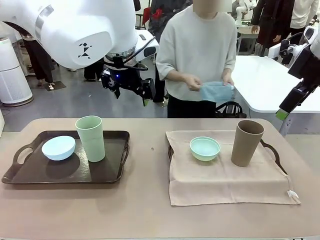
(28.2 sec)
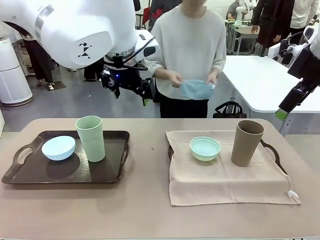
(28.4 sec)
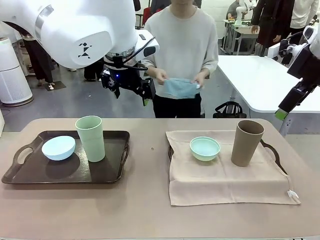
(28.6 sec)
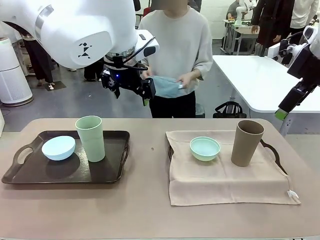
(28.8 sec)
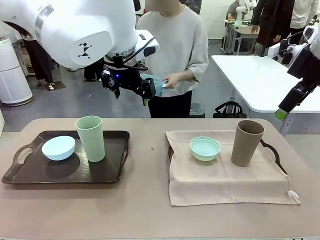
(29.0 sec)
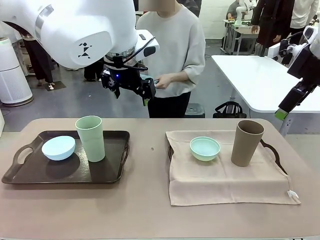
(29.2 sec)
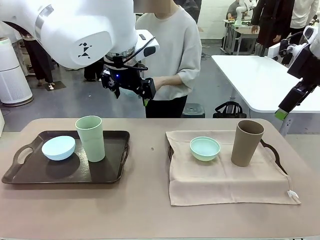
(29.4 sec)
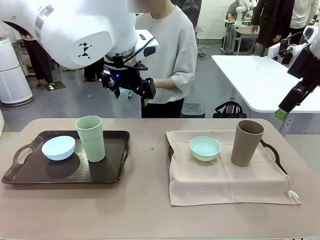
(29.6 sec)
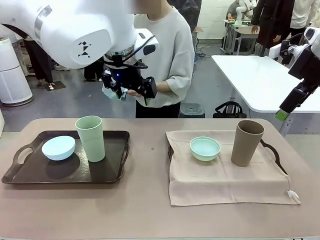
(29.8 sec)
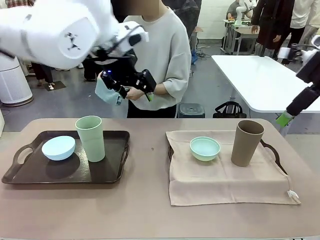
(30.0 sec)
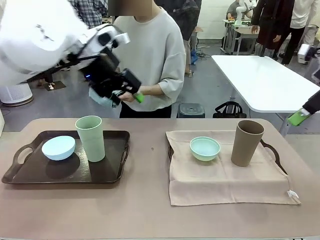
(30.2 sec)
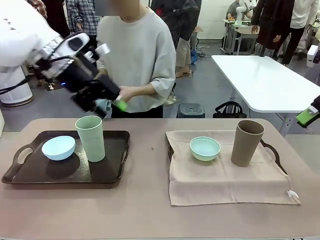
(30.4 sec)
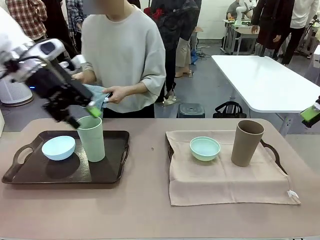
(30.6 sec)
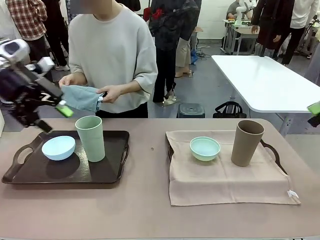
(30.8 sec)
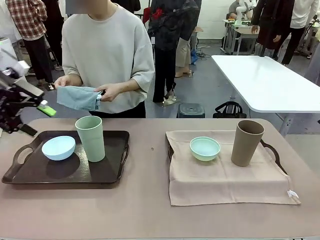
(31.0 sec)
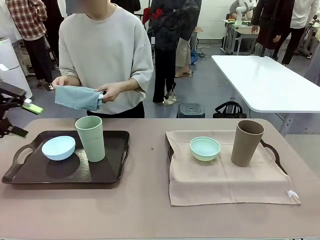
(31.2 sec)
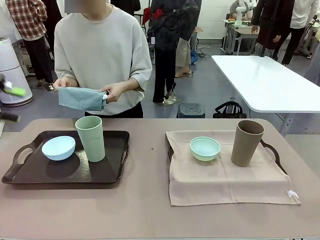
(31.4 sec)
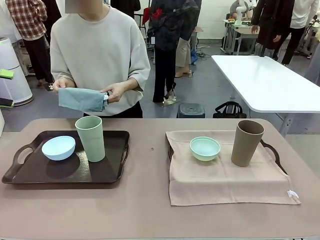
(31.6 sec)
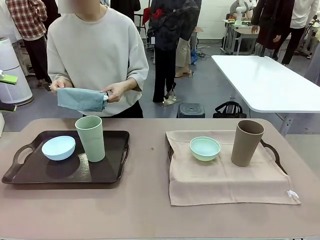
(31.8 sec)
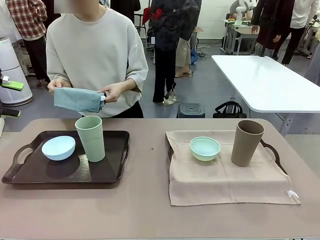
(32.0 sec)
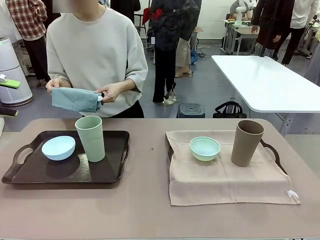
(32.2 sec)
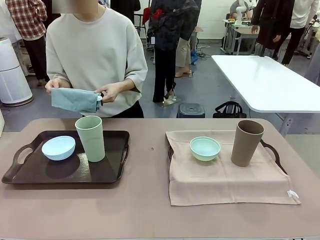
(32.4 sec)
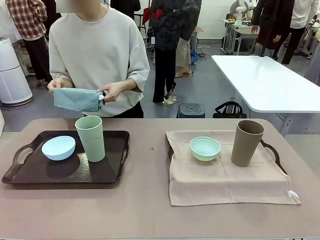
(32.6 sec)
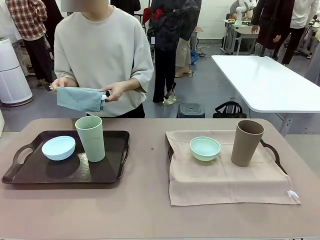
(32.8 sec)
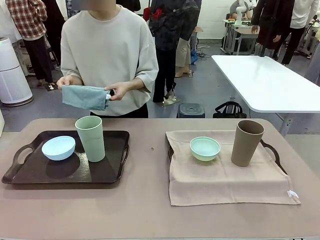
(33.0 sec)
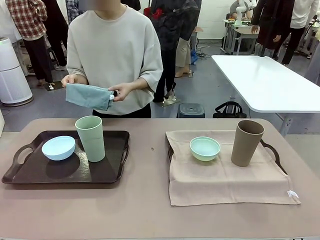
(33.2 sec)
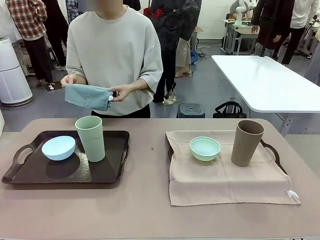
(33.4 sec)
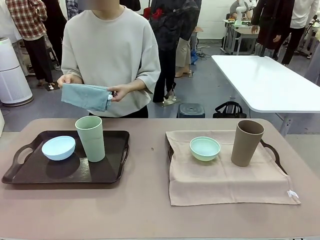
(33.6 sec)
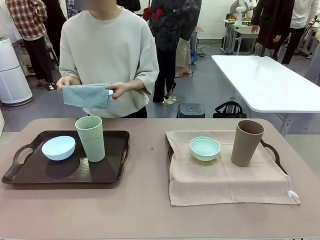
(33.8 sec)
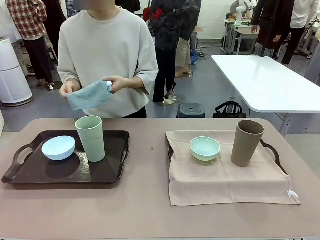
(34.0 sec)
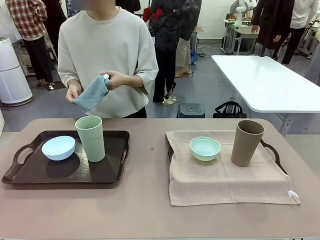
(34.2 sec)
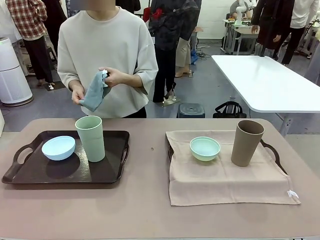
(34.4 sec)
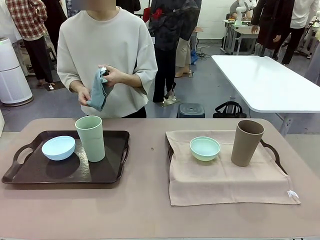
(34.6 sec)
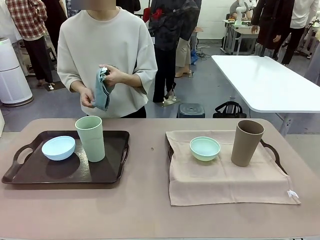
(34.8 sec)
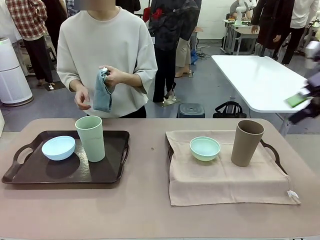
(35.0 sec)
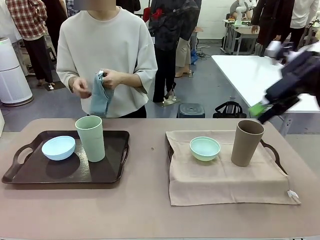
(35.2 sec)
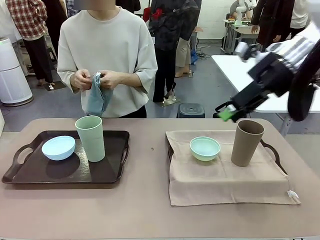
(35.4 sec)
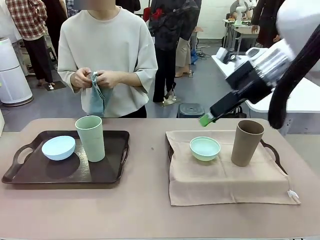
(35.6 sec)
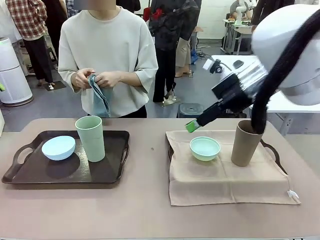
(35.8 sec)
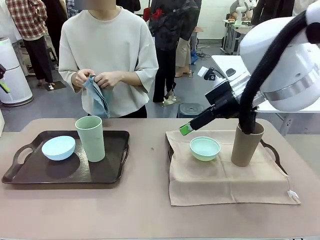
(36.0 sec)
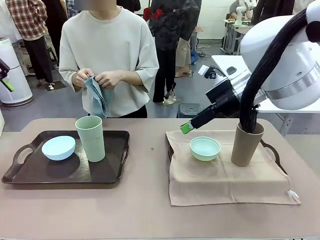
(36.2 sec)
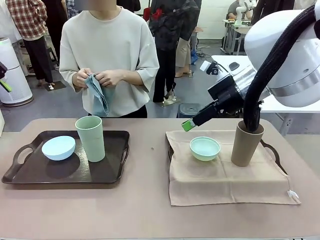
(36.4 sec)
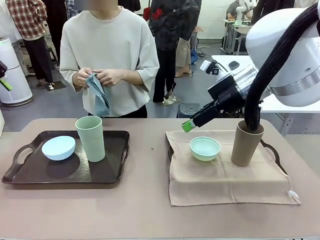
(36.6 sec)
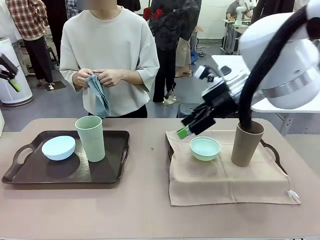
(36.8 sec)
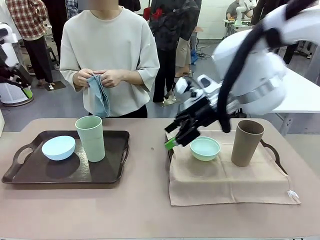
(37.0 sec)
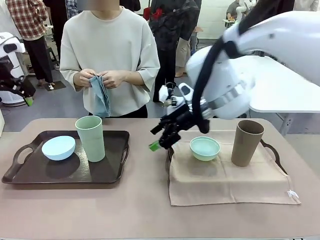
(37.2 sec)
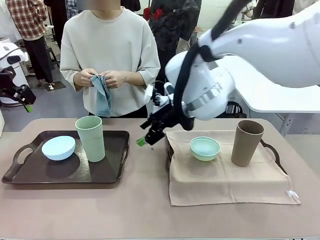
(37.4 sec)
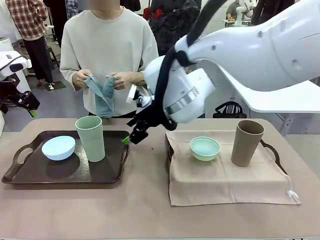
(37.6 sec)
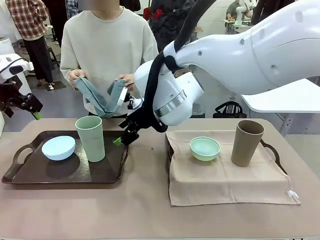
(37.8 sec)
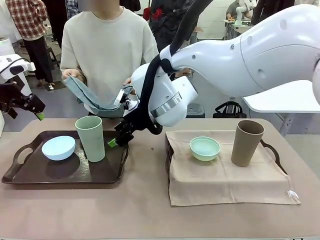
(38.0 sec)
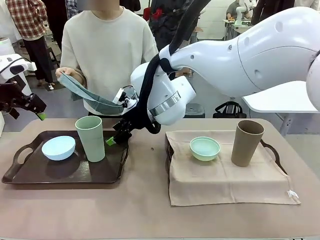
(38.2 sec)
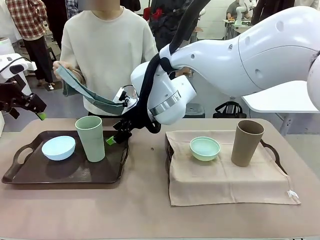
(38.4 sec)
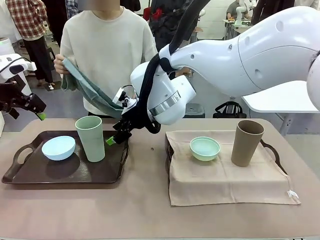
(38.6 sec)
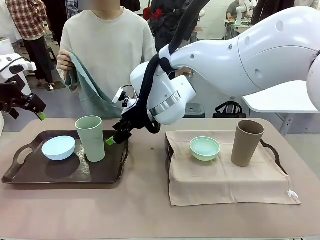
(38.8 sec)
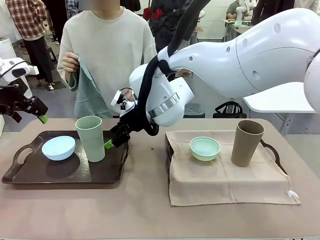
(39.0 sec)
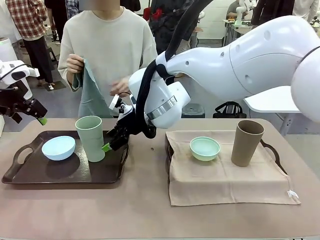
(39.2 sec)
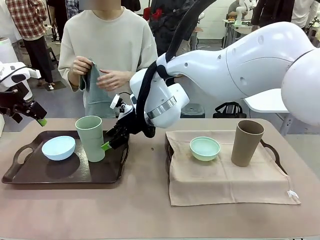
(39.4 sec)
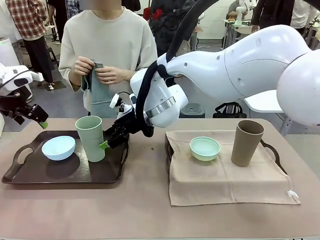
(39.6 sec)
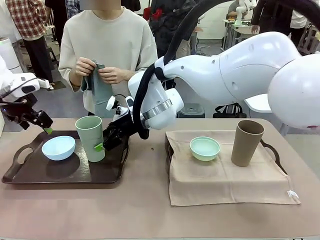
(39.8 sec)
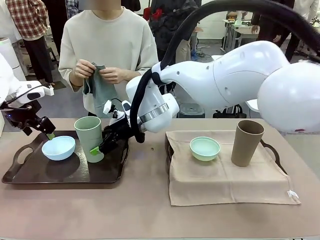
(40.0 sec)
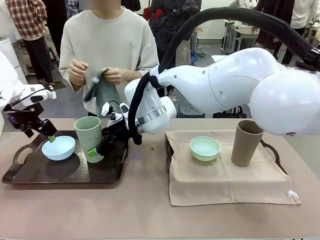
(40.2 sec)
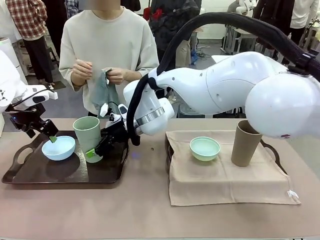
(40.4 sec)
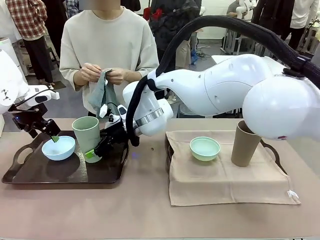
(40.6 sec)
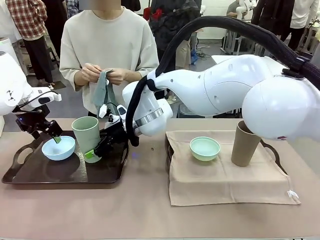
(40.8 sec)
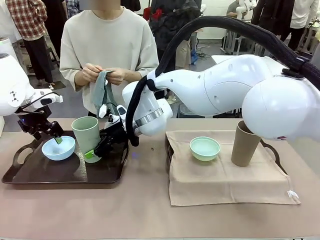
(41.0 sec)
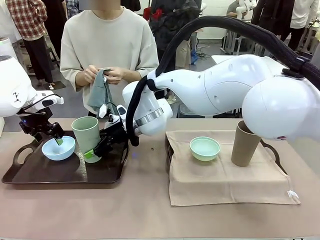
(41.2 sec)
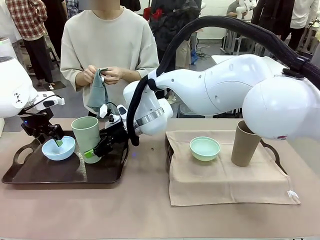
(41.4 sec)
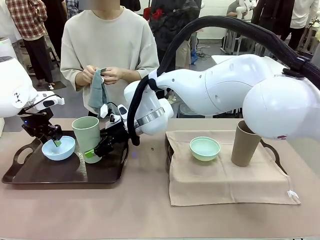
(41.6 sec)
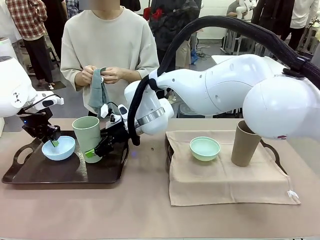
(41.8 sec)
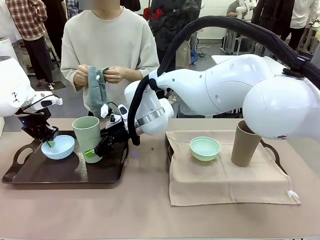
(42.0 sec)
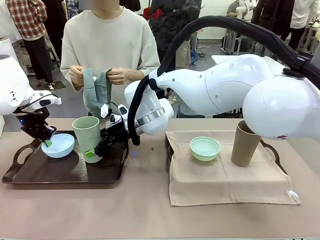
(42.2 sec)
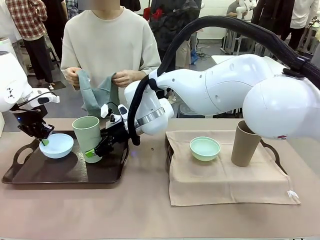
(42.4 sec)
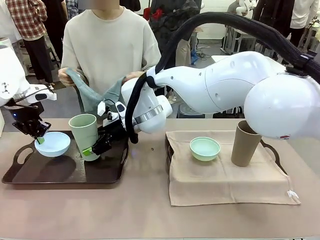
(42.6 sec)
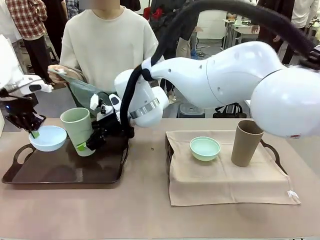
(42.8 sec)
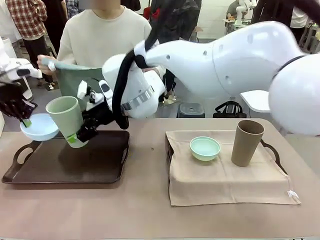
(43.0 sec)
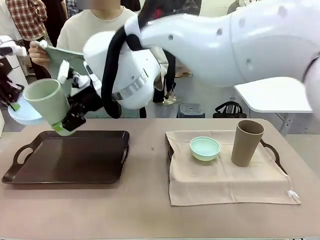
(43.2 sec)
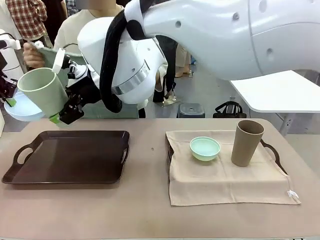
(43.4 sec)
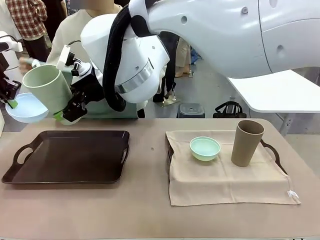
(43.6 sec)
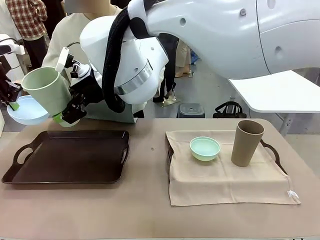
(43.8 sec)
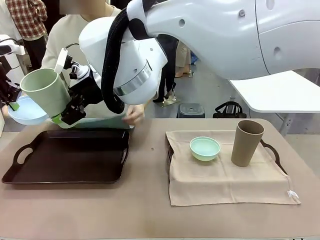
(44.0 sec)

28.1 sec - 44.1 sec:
Robot: Pick up the Picnic Bowl and Reusable plastic cup from the Handle tray in front of the human's position and hold them in the air.
